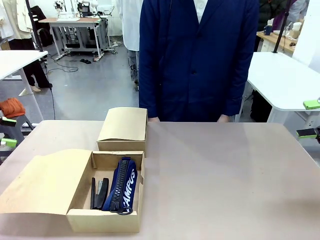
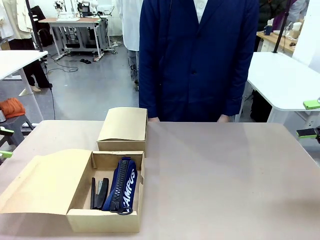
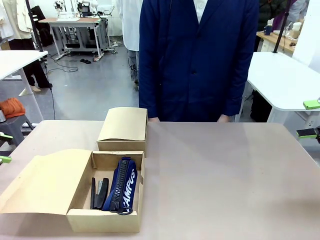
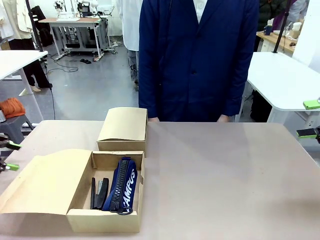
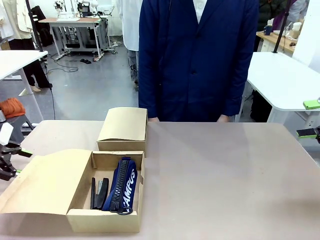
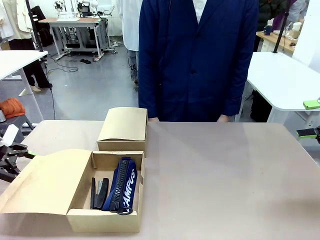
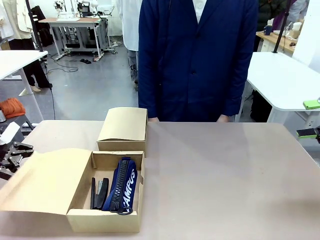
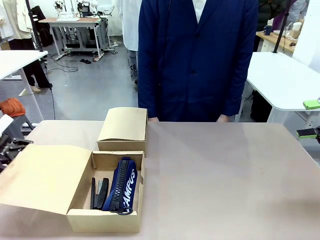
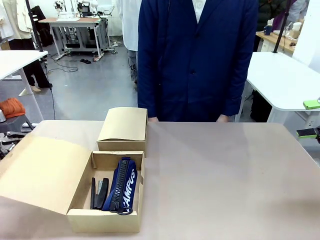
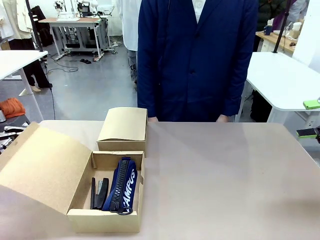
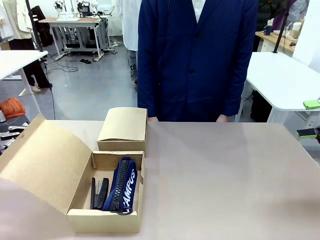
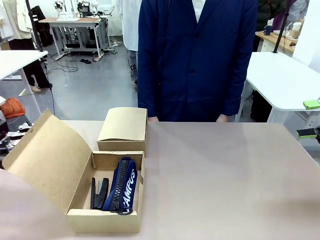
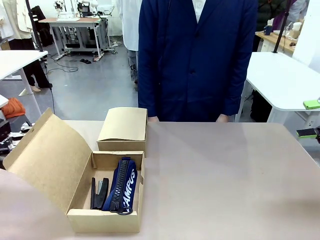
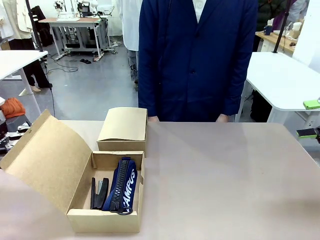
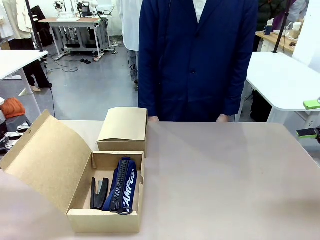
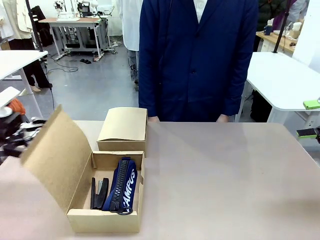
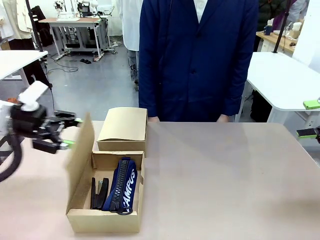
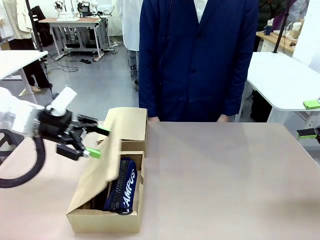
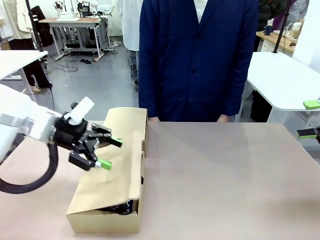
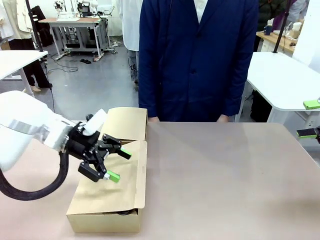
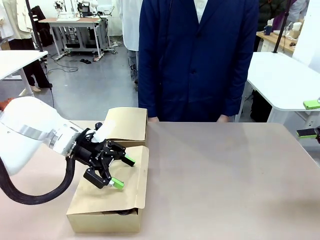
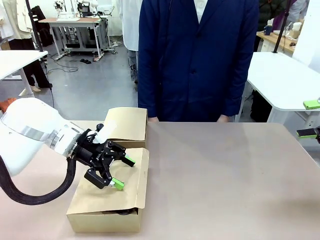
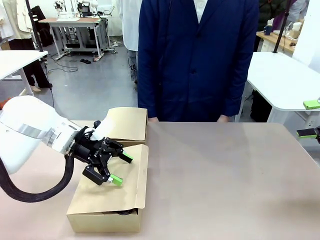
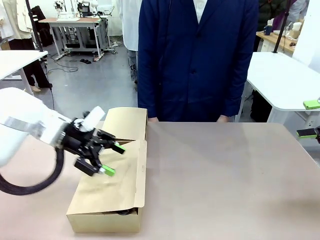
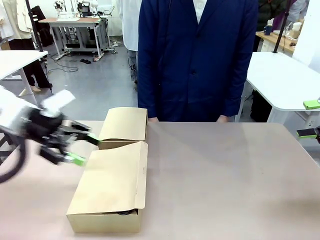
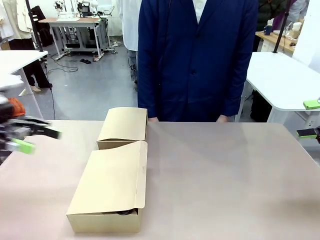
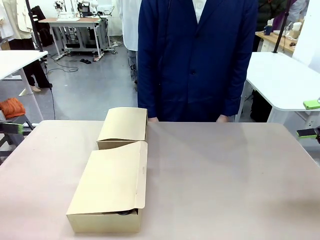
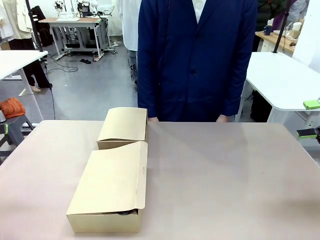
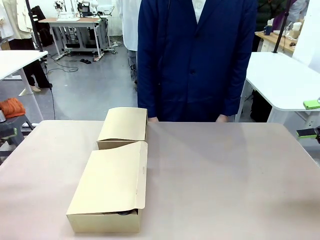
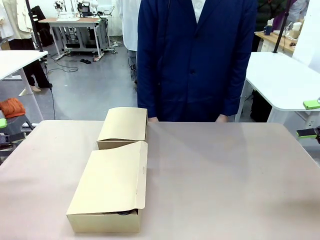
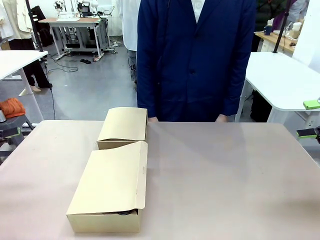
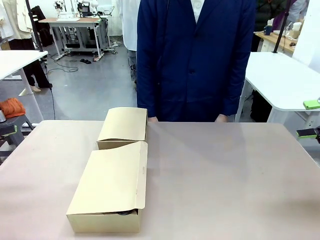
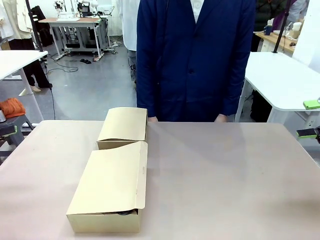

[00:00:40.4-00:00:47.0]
Task: Place items inside the box.
Robot: Close the lid of the Mailer Box closest to the robot.

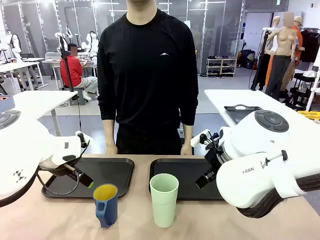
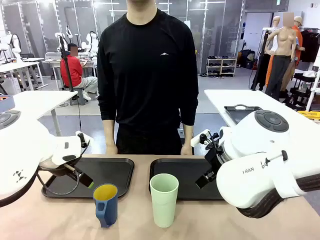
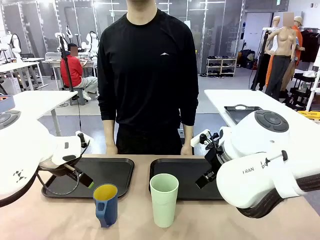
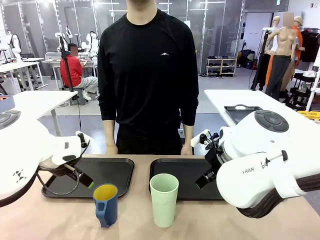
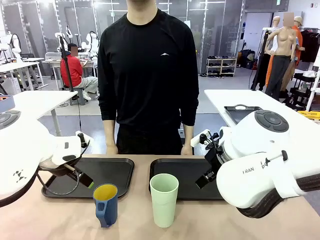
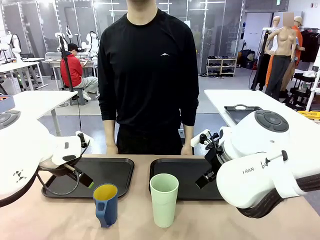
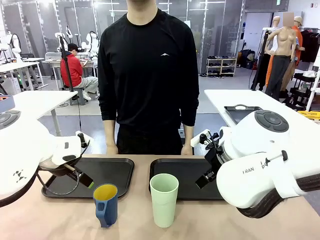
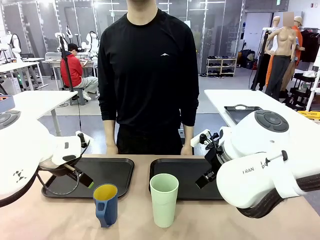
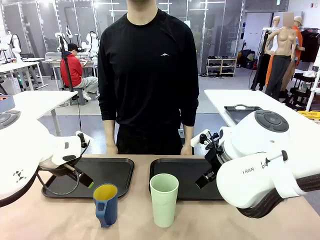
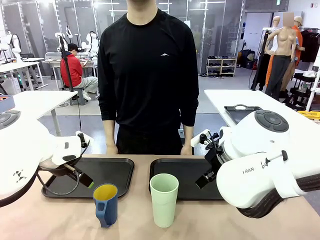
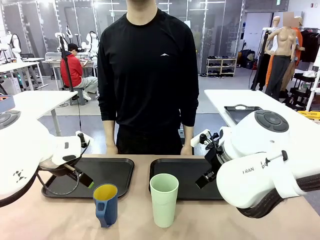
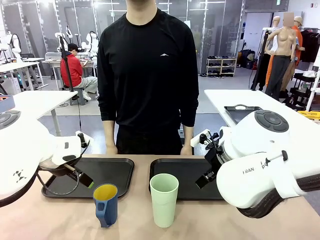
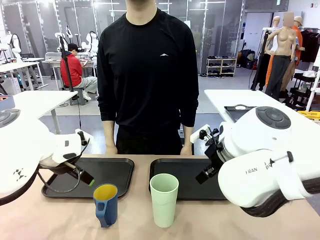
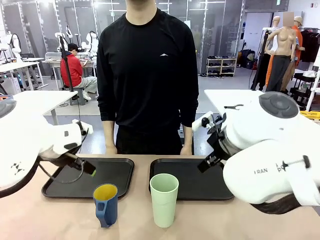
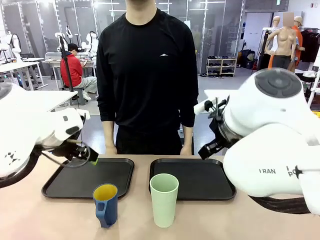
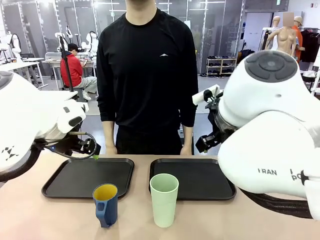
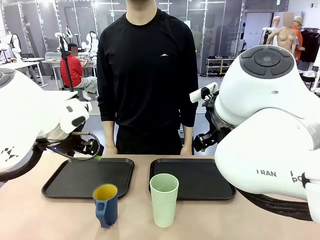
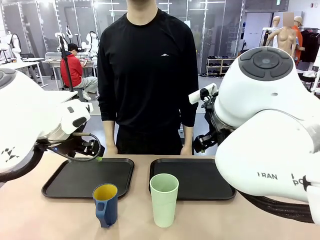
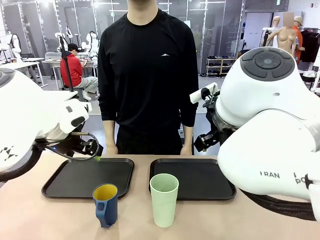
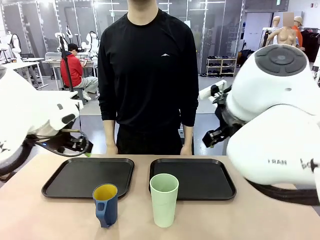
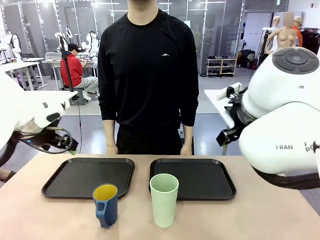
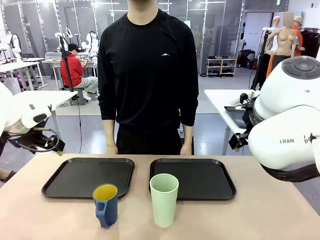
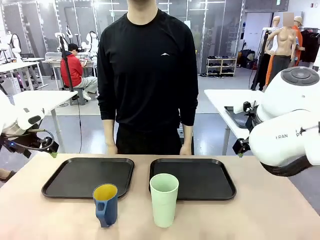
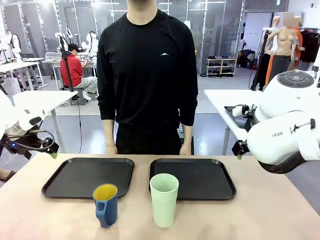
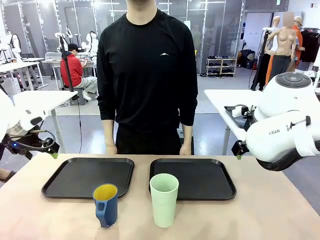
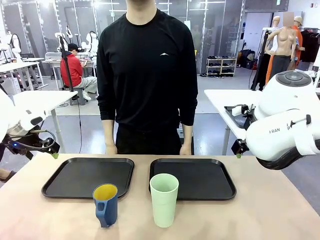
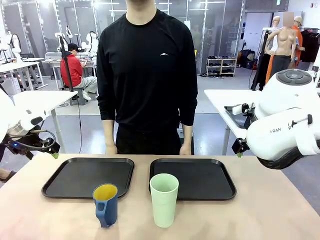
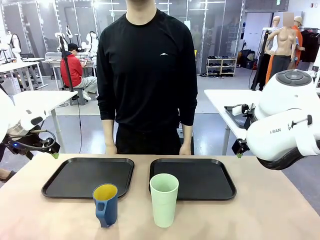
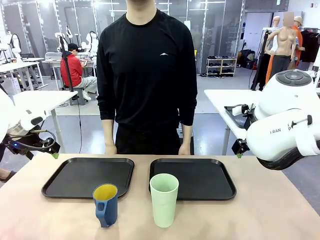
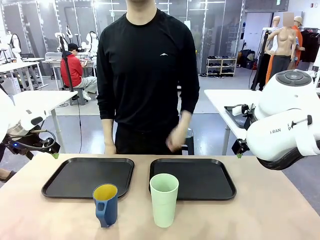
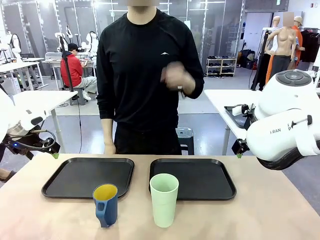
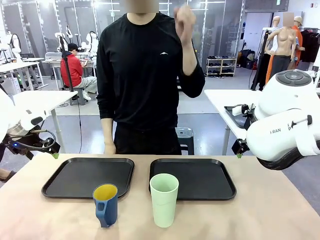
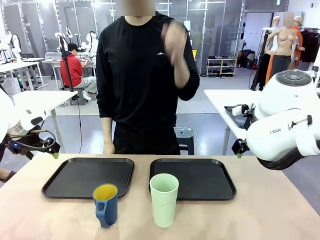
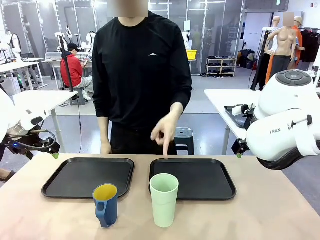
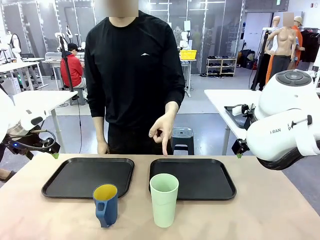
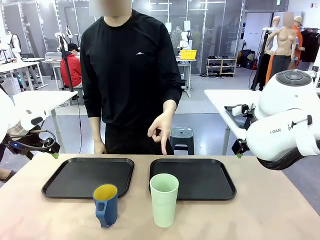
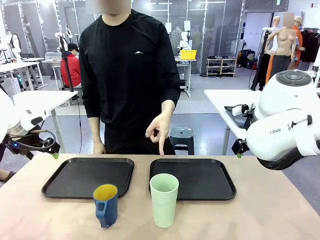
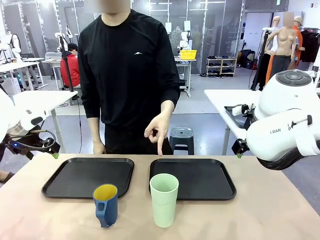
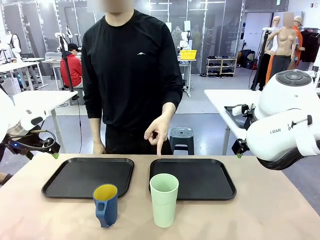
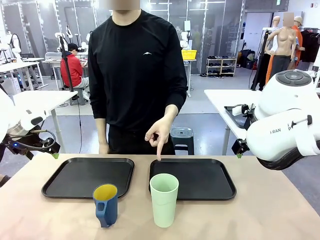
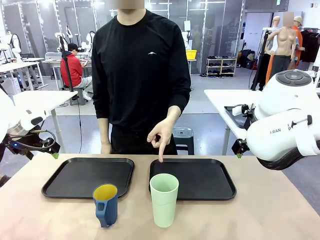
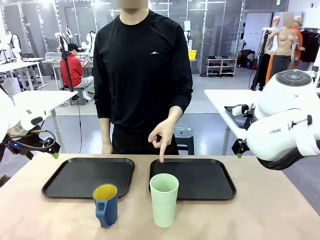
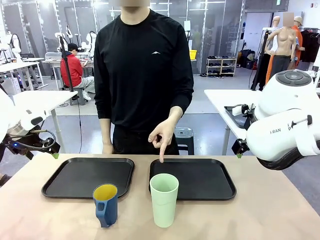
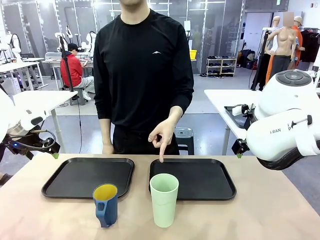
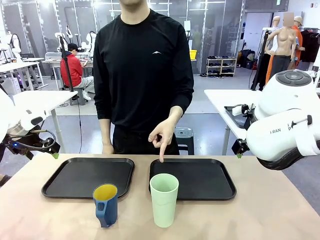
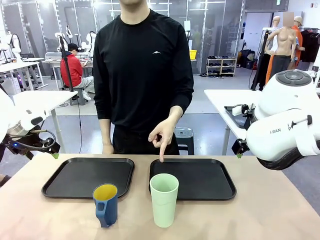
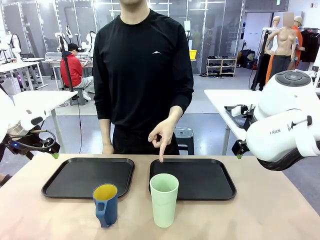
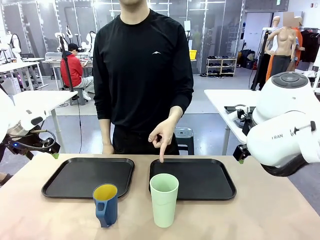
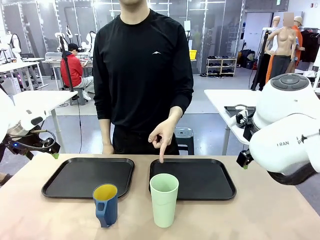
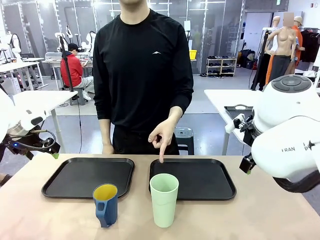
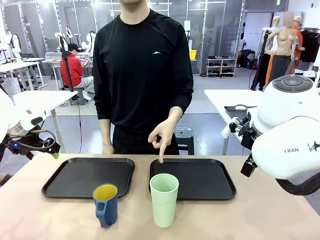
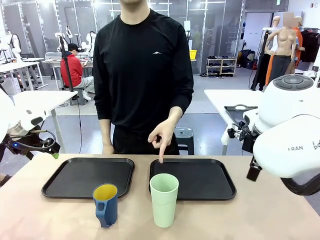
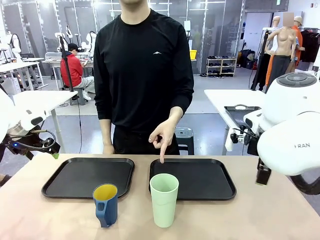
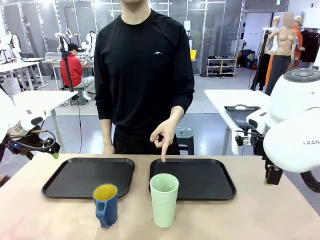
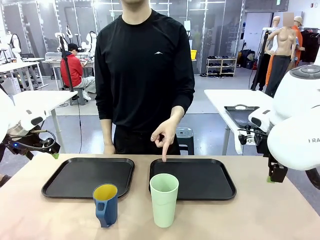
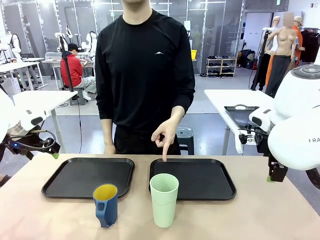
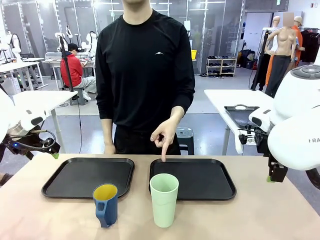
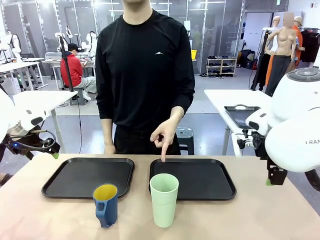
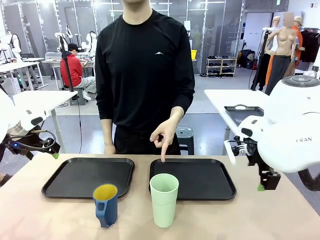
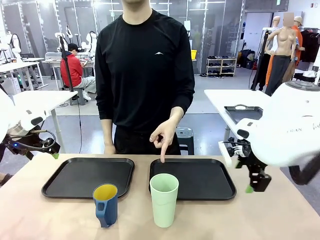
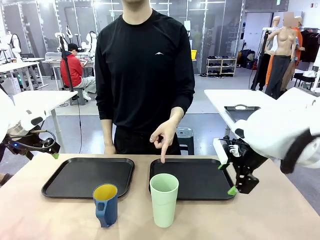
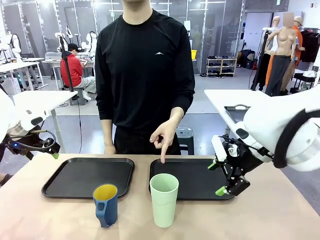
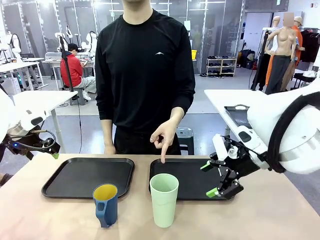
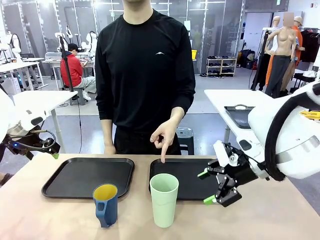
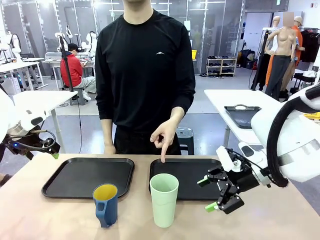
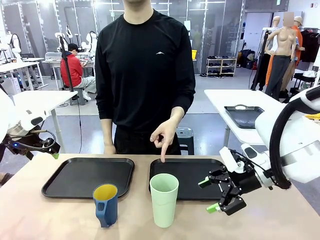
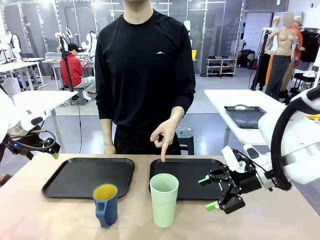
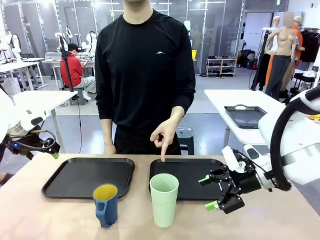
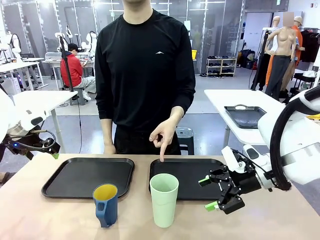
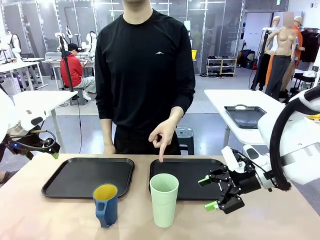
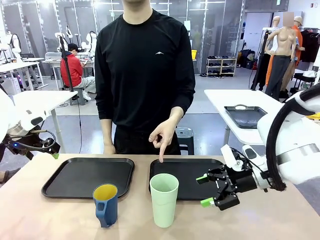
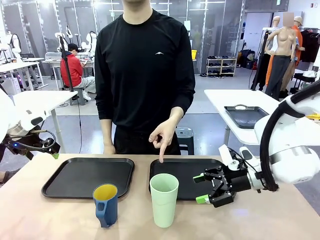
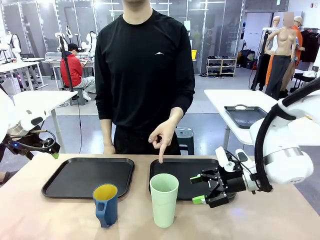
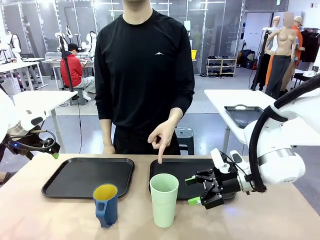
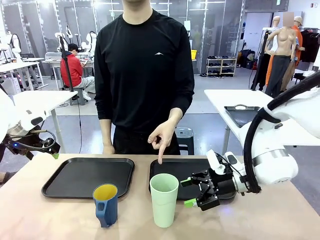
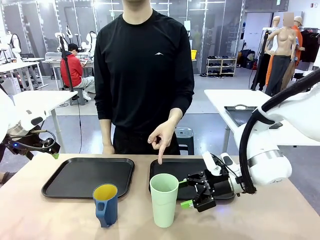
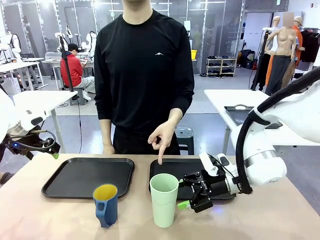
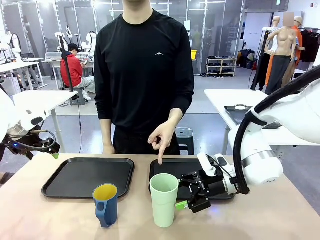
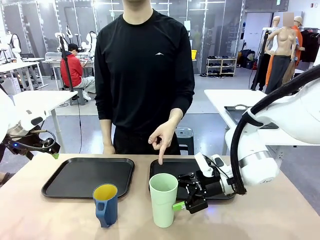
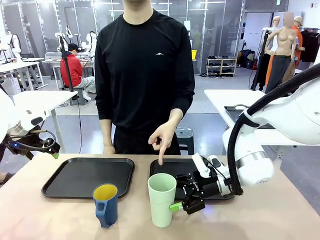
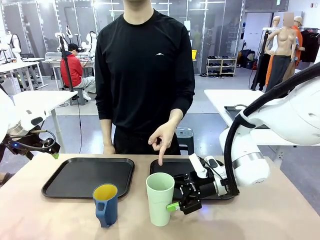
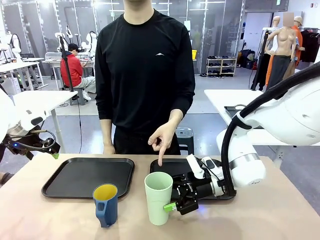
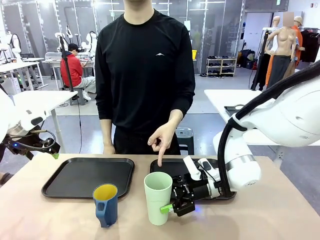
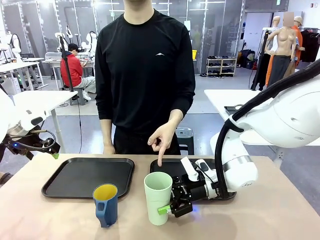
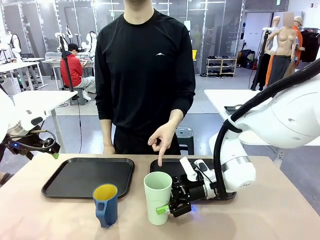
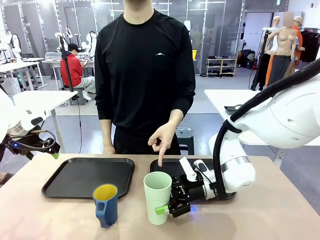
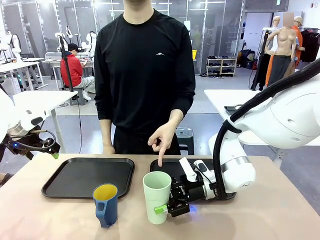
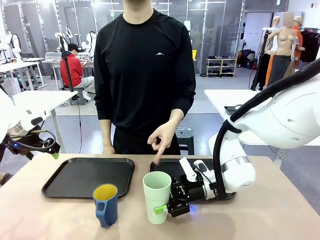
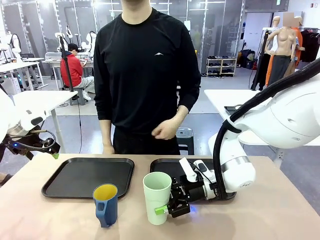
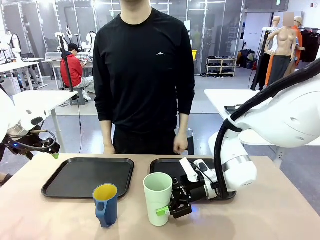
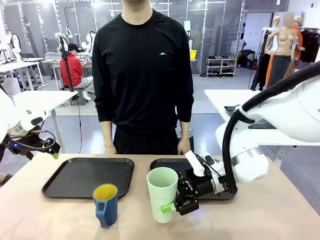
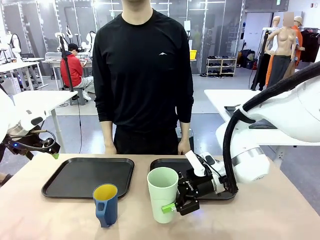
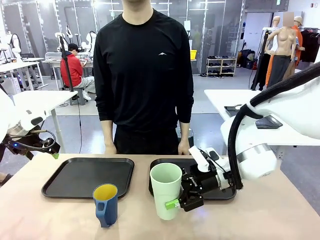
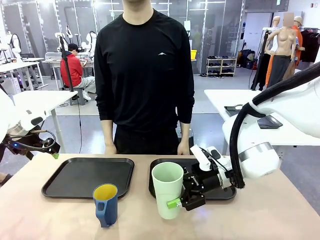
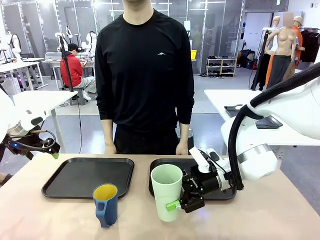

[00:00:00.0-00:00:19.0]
Task: Sort and store the cups by type.
Robot: Pick up the Reusable plastic cup.
Person: Points to the reusable cup. Point to one of the two trays.
